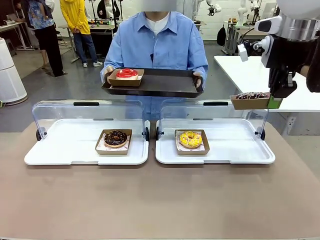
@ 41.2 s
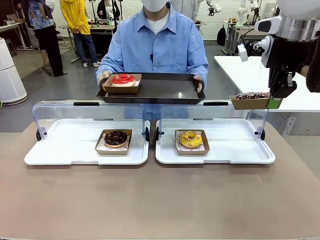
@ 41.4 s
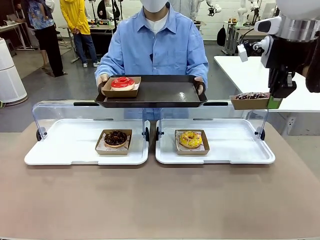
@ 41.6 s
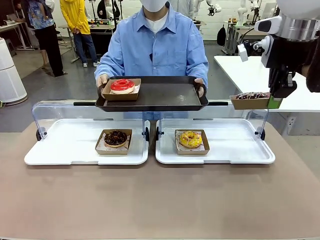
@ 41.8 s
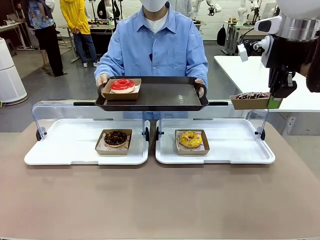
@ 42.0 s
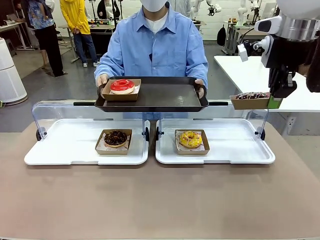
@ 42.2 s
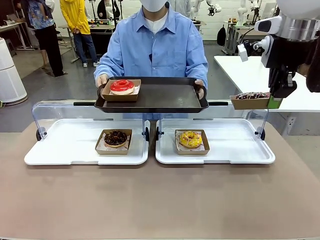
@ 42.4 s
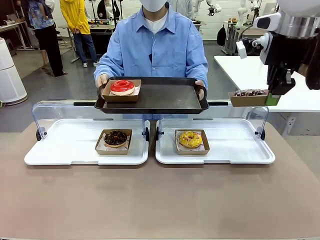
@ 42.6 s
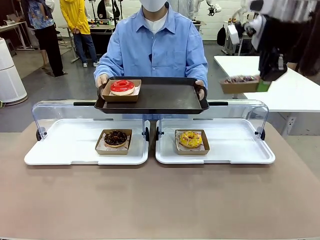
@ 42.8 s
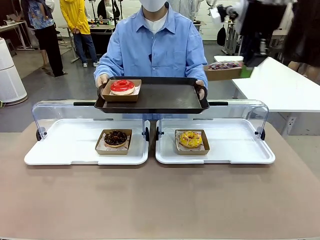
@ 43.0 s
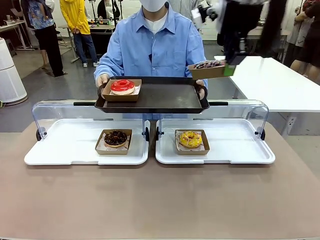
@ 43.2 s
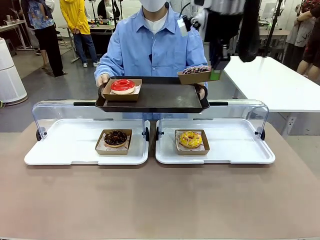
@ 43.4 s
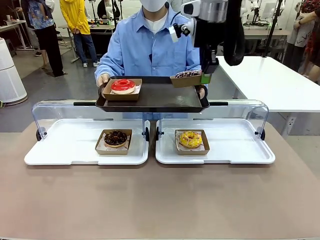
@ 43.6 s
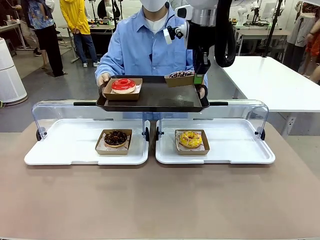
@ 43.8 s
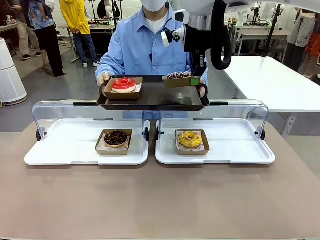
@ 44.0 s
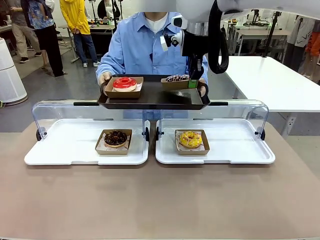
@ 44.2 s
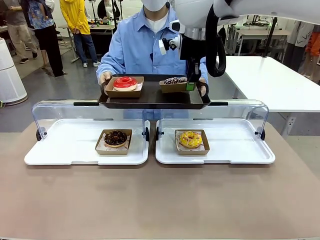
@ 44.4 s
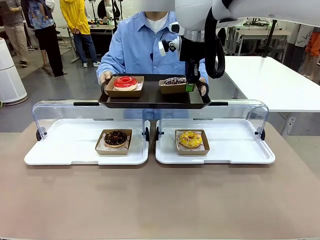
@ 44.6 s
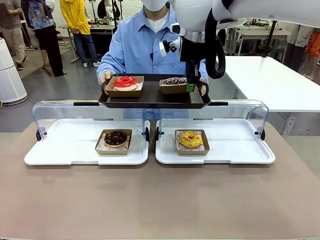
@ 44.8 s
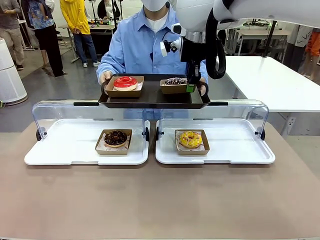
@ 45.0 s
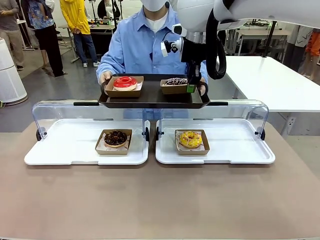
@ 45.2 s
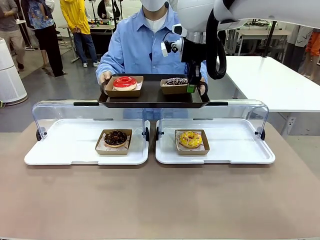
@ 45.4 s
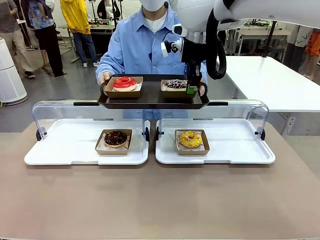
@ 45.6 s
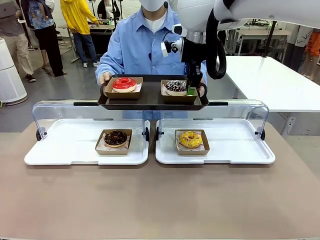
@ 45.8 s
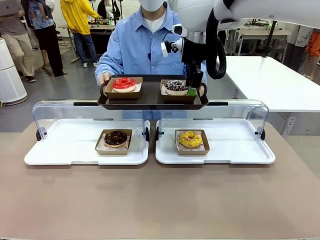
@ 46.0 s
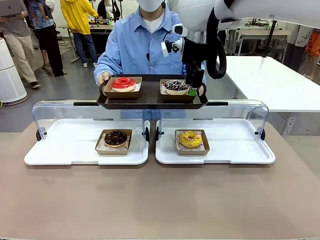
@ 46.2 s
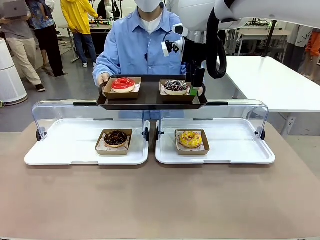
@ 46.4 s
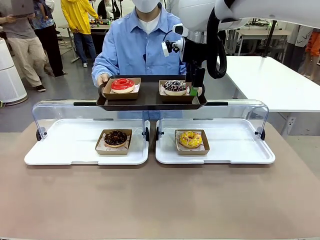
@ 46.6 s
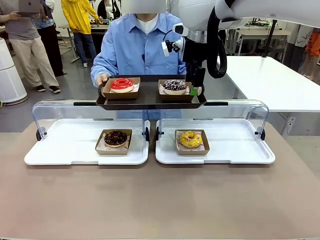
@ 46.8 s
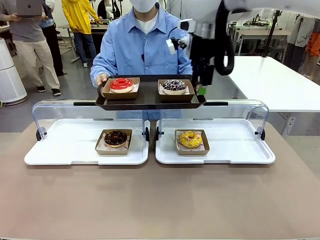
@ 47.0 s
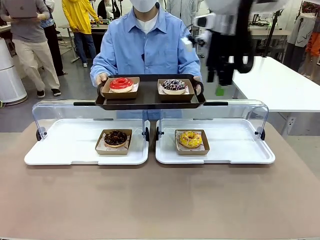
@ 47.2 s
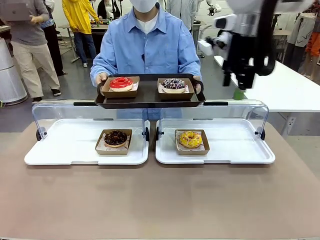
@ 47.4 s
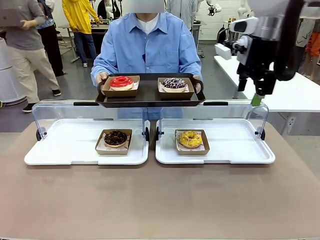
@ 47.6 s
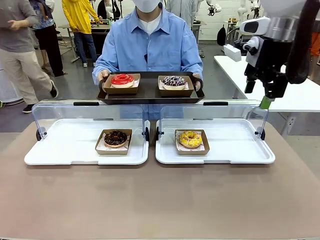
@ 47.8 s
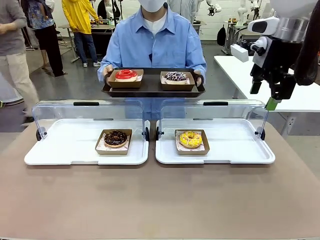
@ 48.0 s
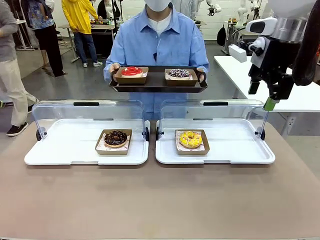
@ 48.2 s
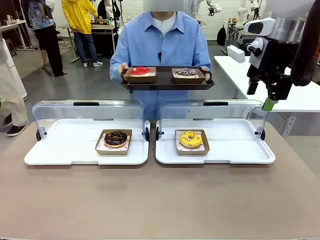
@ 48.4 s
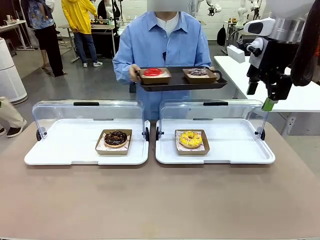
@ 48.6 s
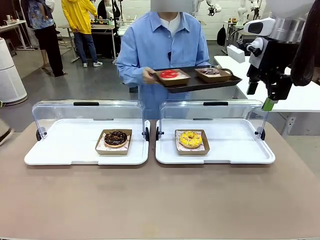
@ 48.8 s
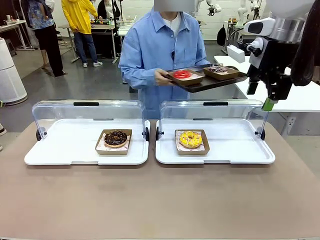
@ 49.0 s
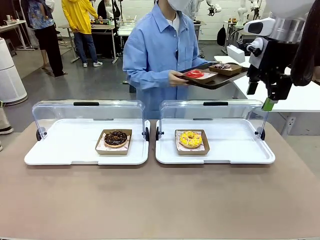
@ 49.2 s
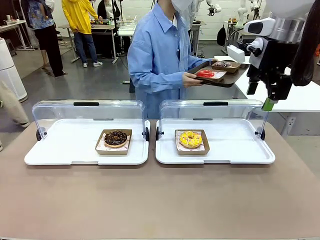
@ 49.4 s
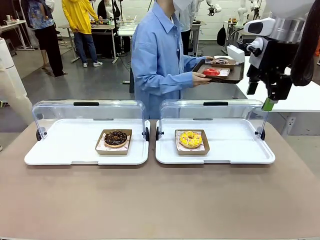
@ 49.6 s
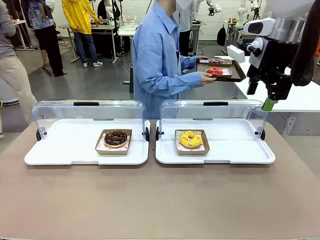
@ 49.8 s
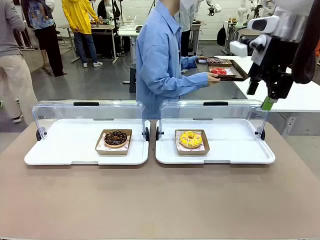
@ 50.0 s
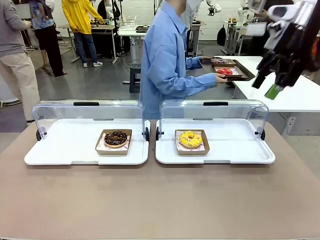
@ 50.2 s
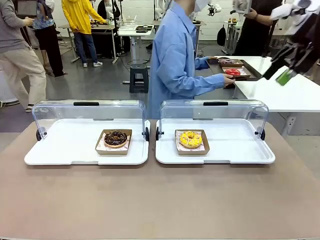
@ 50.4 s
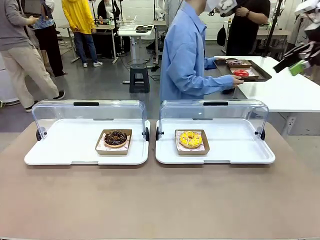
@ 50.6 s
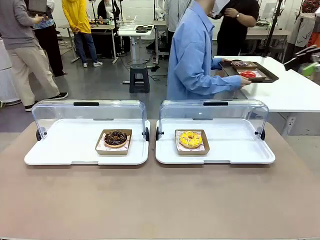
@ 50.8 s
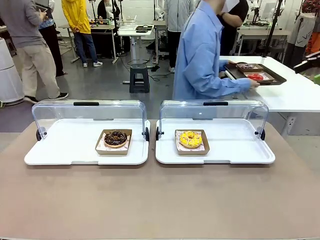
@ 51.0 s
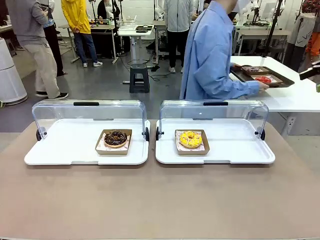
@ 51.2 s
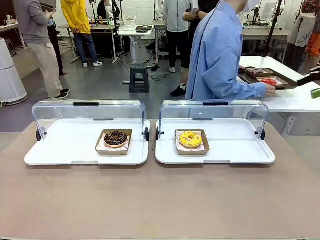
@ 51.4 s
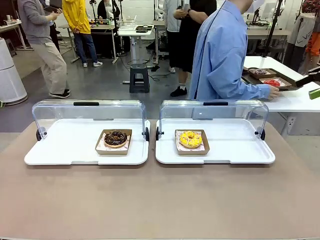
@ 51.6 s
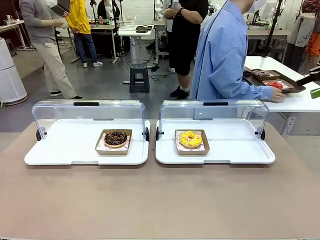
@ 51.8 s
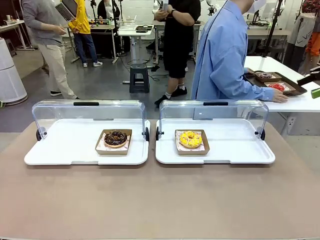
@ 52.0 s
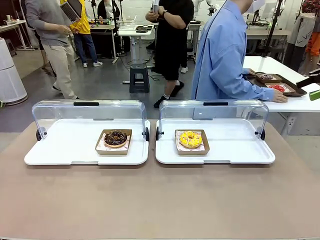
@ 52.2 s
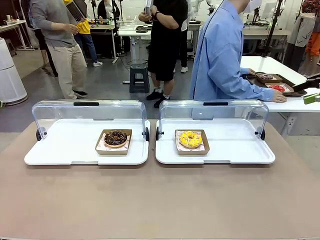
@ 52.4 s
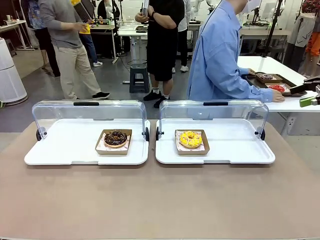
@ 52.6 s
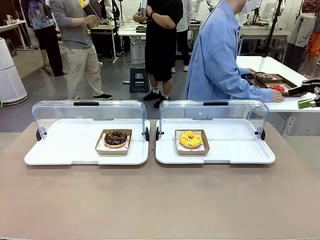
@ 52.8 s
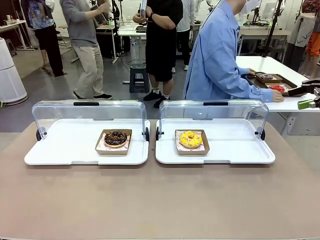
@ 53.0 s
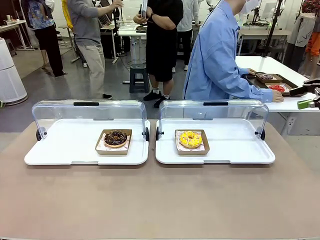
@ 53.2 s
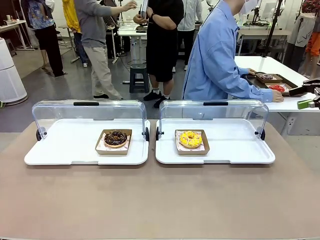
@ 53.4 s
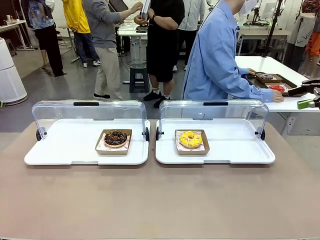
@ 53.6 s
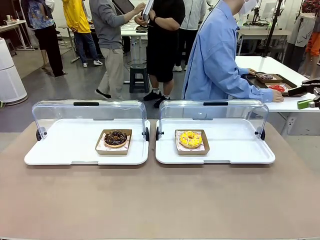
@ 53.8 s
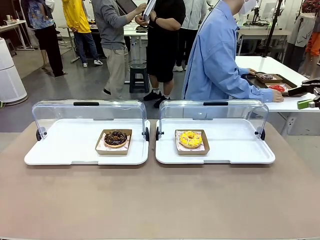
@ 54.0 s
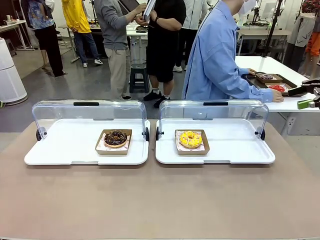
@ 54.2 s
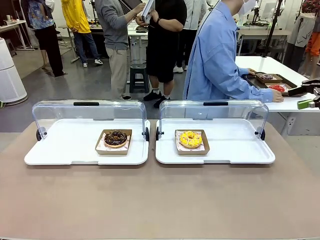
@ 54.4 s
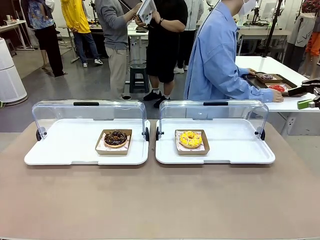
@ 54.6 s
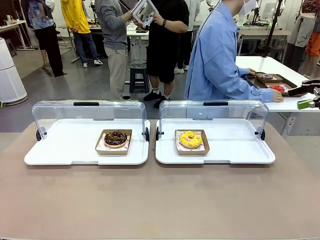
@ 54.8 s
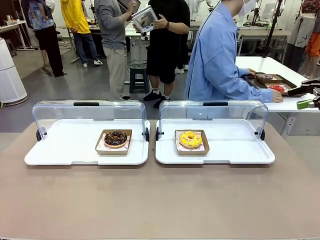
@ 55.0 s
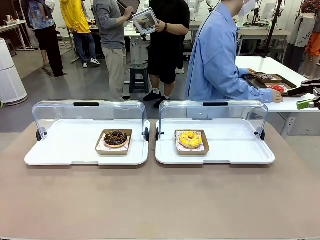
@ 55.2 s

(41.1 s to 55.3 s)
Task: Provide the desired donut to the person.
Robot: Place the picked Paper togo box onto the Handle tray extended by the person.
Person: Place the tray in the middle of the human table.

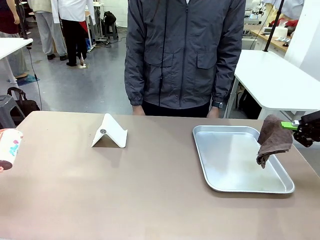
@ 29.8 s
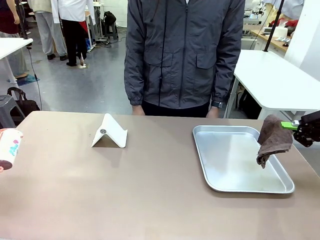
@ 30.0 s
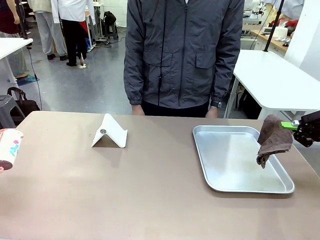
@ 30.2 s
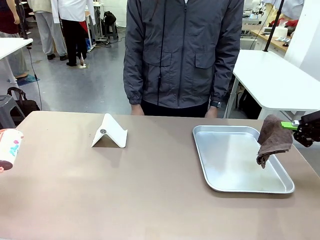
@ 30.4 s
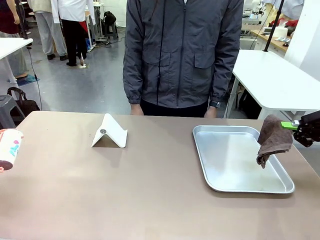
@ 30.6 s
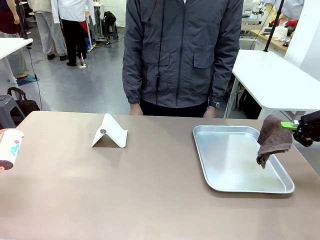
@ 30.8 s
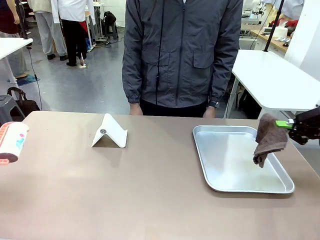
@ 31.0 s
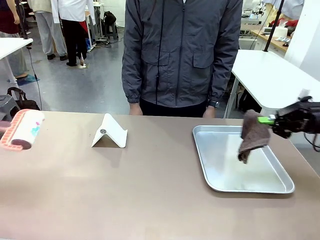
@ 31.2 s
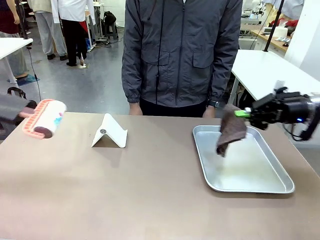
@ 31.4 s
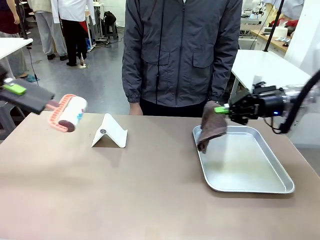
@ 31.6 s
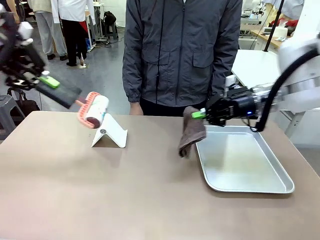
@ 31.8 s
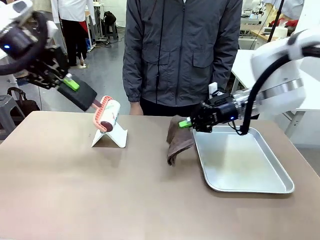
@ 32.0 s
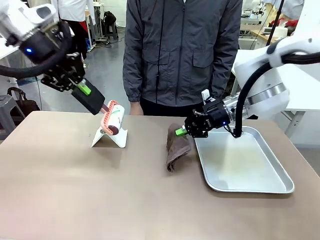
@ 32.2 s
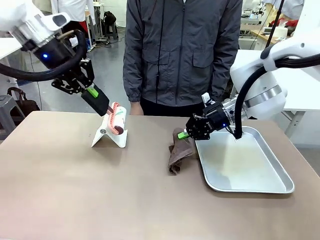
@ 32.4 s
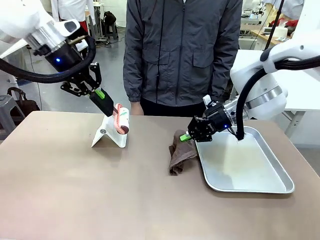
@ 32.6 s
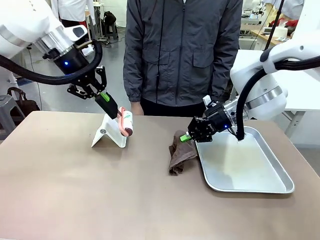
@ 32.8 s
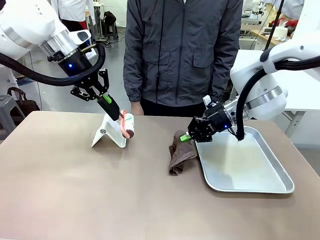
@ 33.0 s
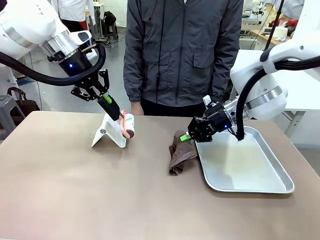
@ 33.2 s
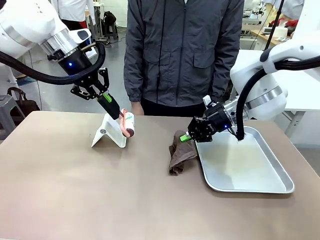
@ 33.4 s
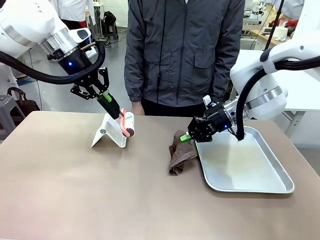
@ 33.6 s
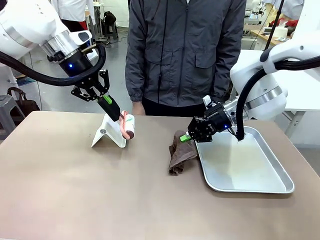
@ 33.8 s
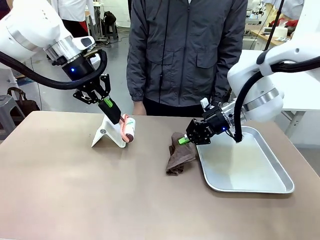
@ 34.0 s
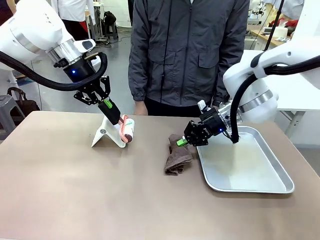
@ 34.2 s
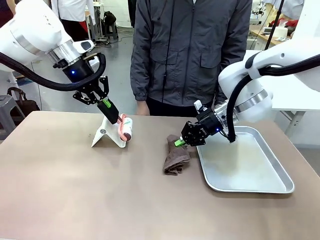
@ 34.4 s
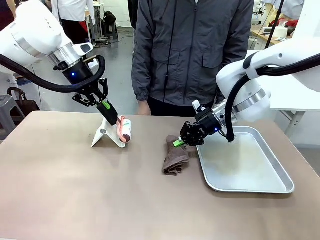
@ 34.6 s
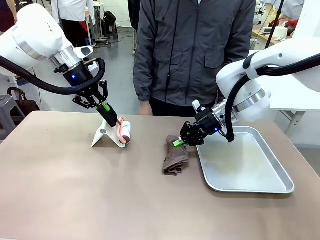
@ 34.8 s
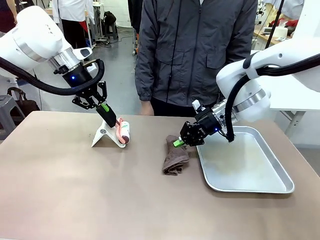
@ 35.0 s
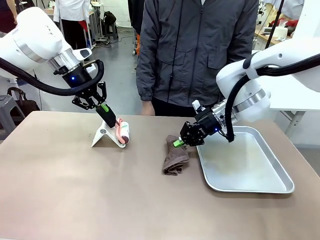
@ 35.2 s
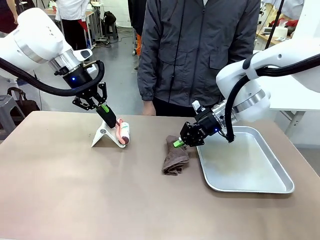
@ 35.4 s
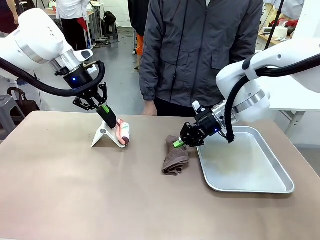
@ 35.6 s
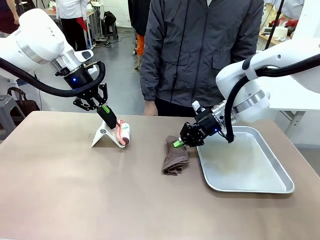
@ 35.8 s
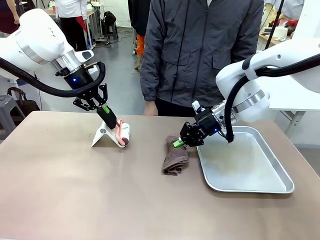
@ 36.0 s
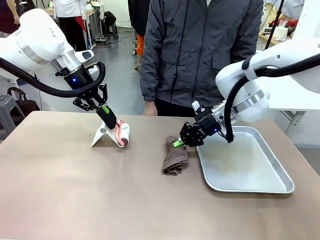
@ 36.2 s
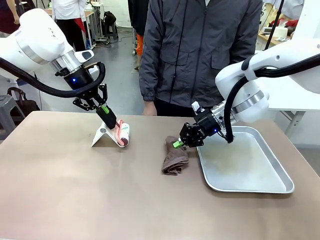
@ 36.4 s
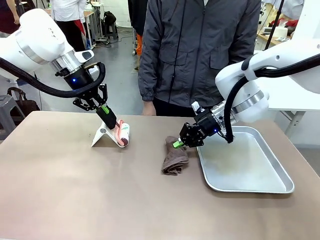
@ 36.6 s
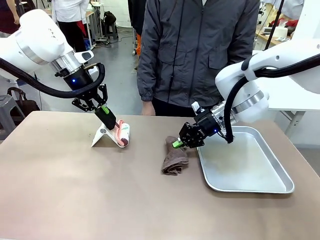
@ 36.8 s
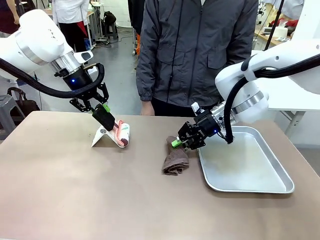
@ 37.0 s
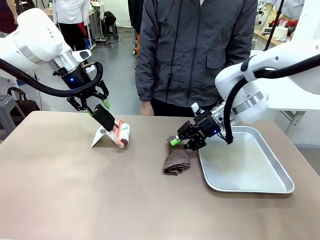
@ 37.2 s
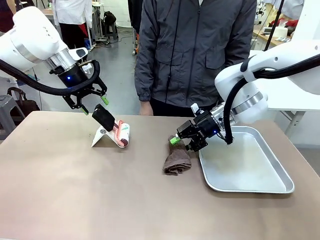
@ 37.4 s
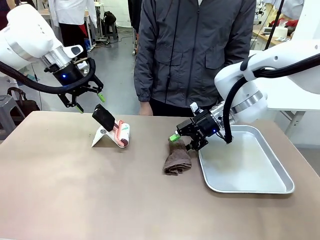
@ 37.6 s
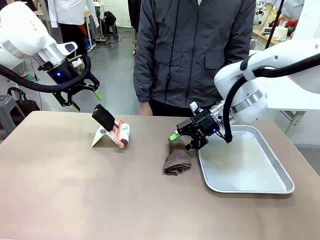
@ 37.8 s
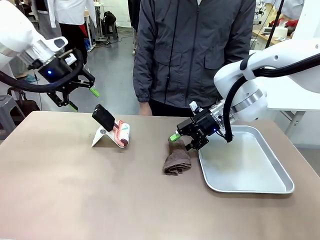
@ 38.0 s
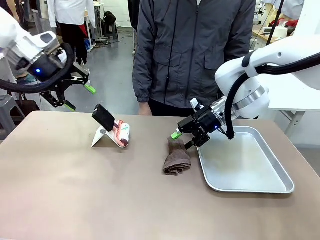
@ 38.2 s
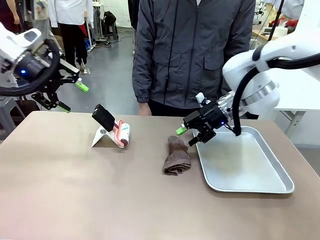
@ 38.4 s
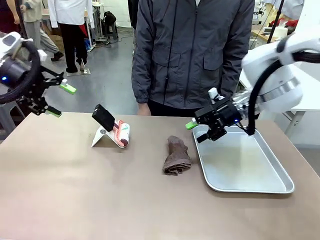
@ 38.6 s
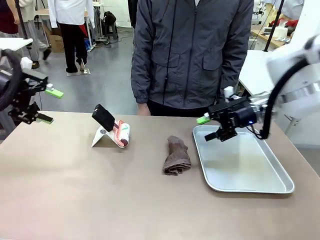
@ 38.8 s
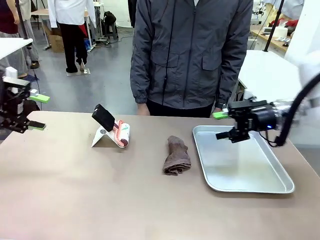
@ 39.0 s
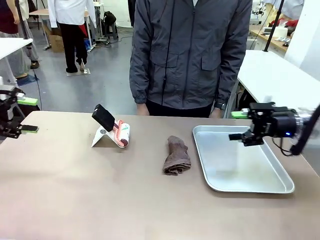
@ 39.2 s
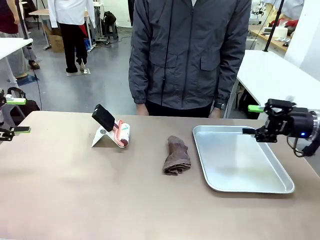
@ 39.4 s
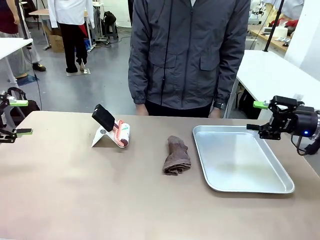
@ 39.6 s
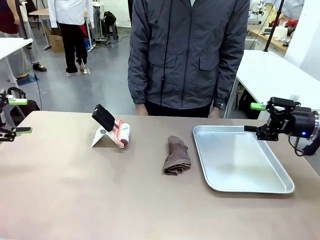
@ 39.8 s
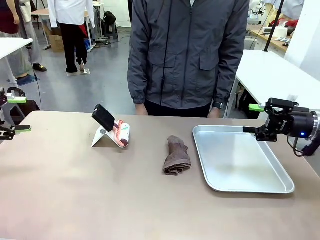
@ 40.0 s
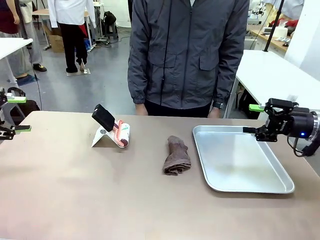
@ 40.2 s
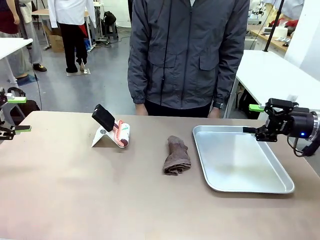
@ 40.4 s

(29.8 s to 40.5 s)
Task: Clean the surface of the table.
Robot: Return the Lint Roller and towel to their original positions.
